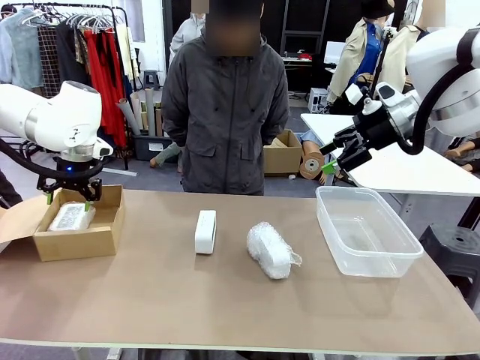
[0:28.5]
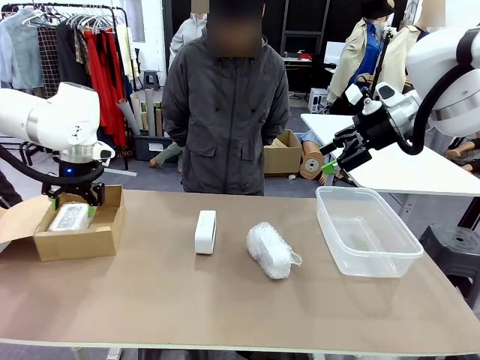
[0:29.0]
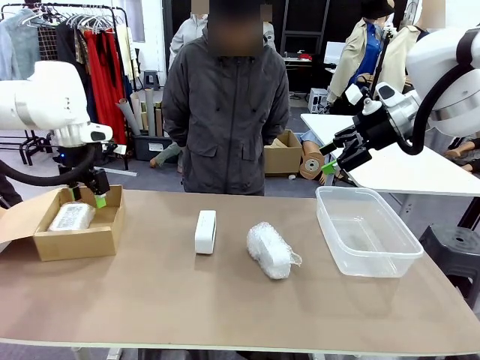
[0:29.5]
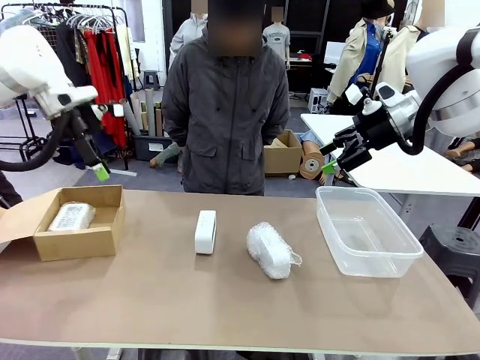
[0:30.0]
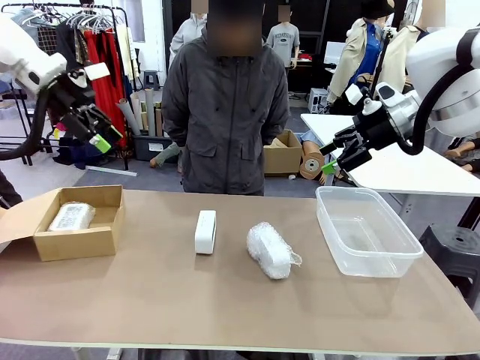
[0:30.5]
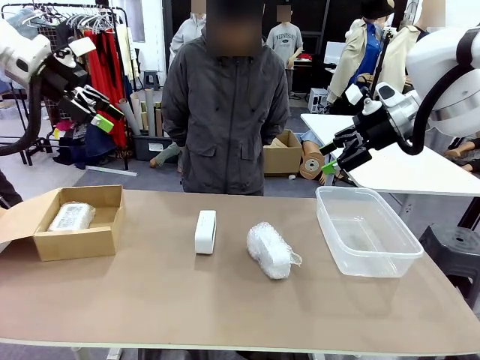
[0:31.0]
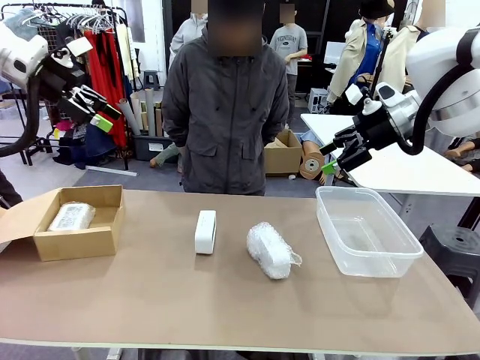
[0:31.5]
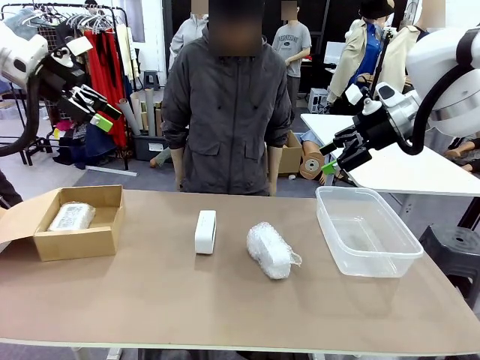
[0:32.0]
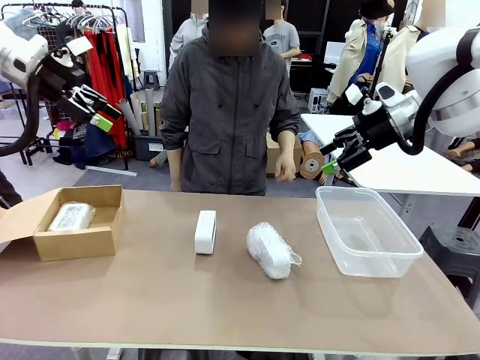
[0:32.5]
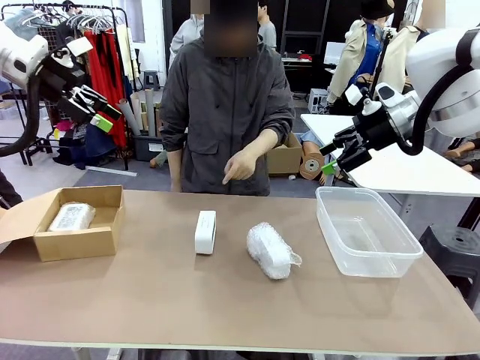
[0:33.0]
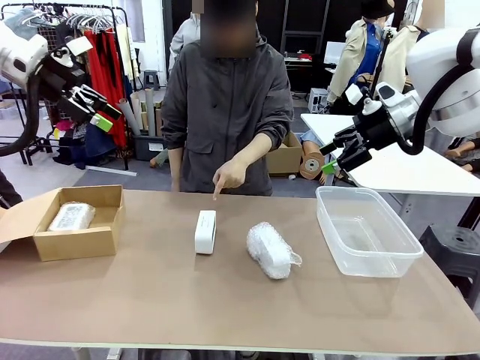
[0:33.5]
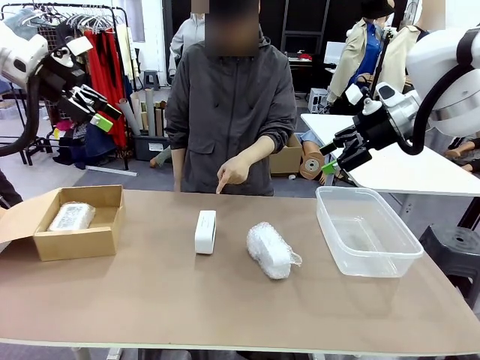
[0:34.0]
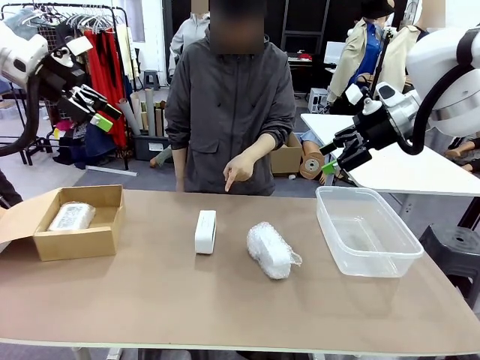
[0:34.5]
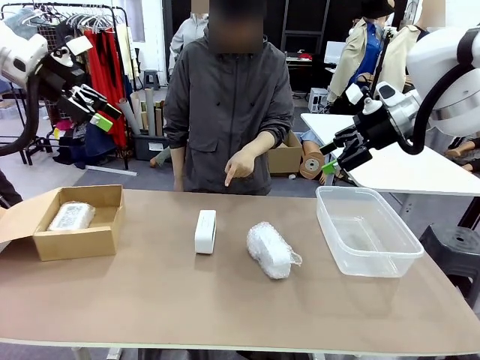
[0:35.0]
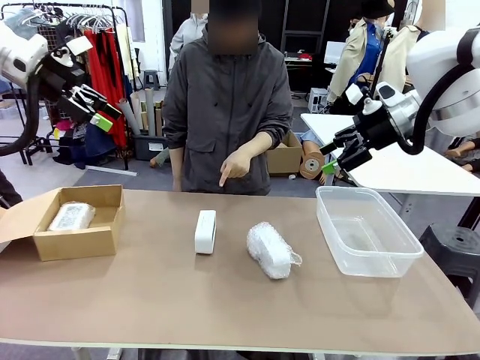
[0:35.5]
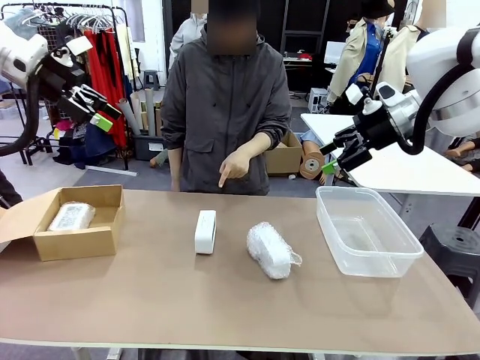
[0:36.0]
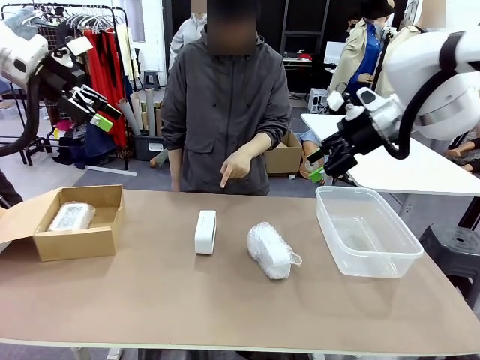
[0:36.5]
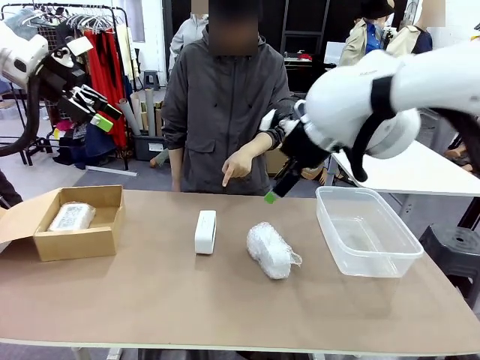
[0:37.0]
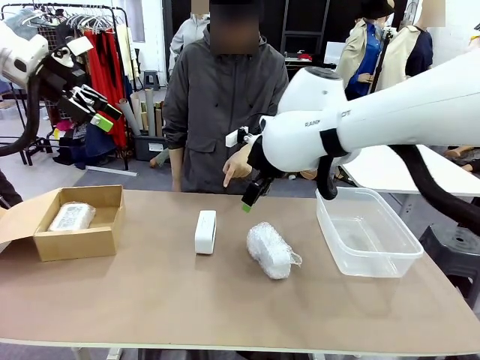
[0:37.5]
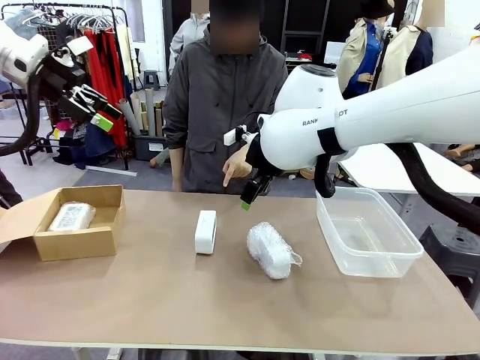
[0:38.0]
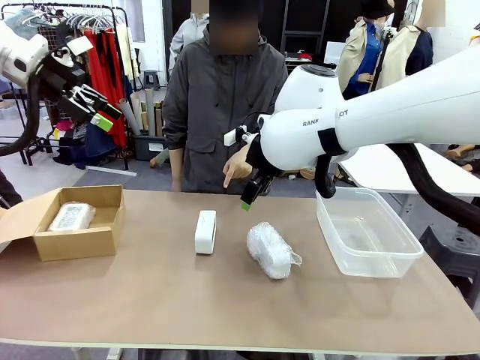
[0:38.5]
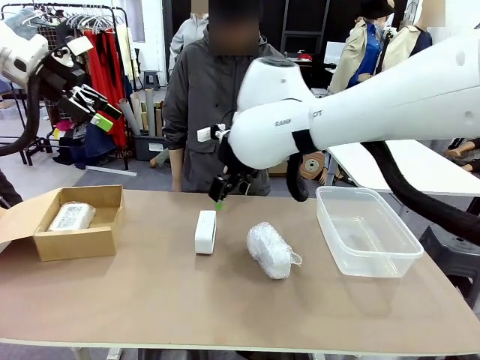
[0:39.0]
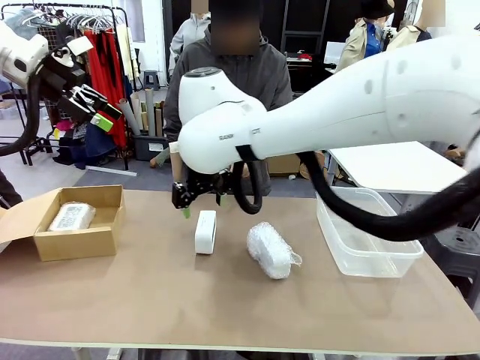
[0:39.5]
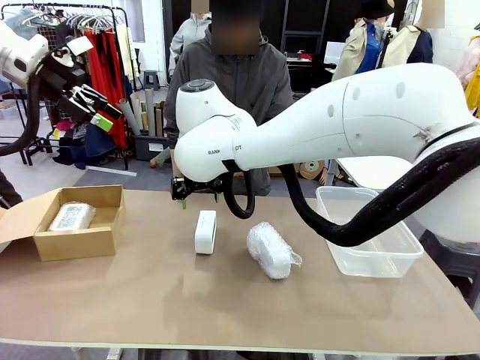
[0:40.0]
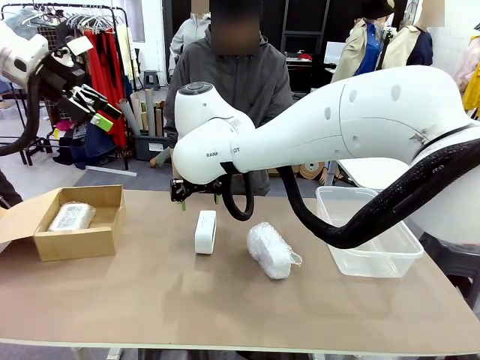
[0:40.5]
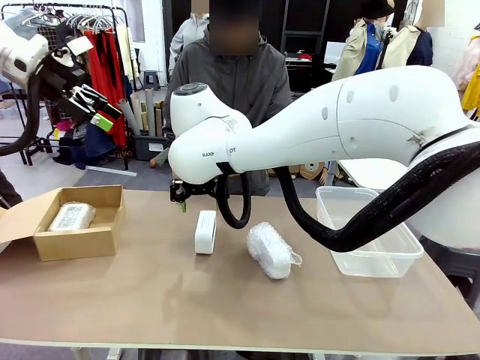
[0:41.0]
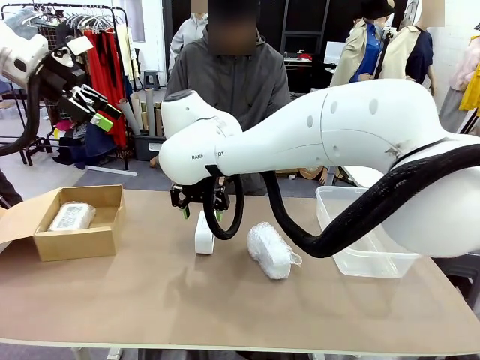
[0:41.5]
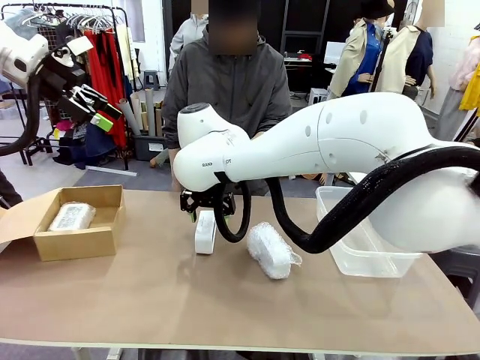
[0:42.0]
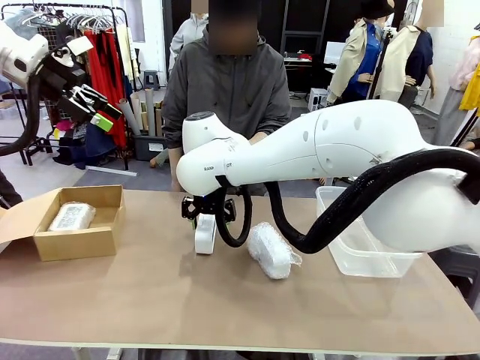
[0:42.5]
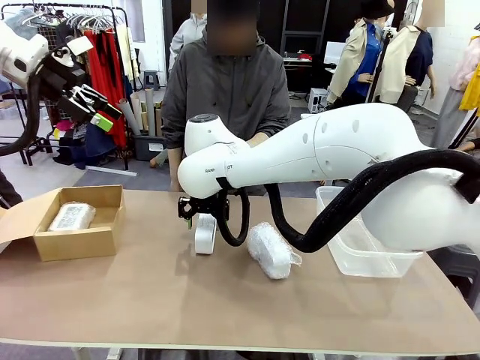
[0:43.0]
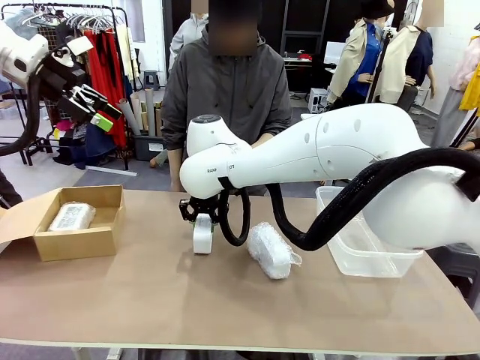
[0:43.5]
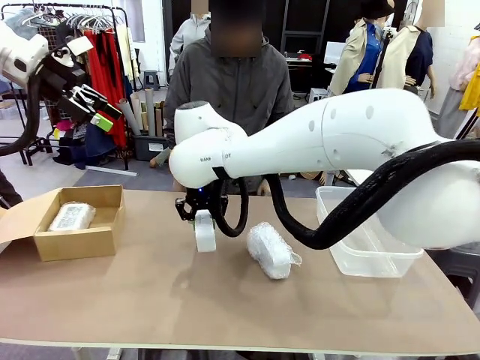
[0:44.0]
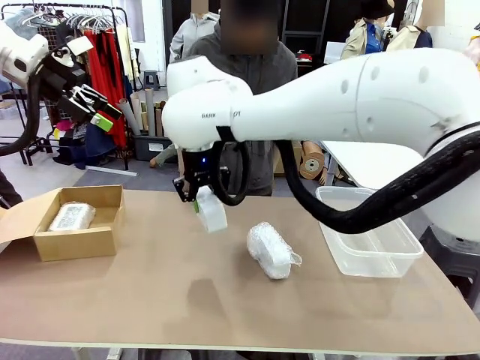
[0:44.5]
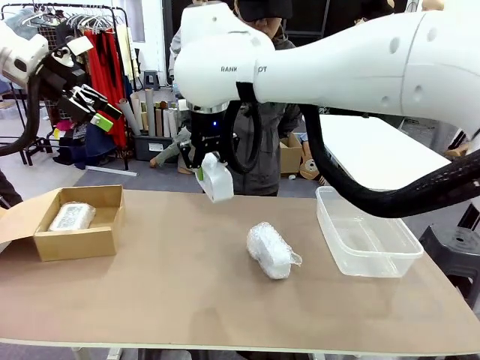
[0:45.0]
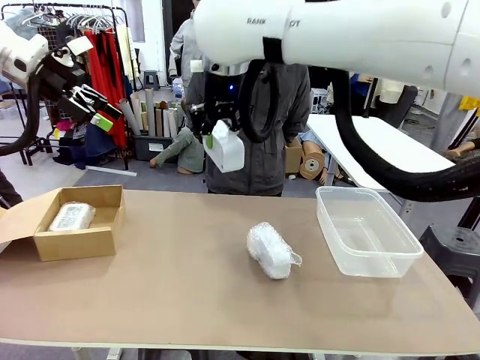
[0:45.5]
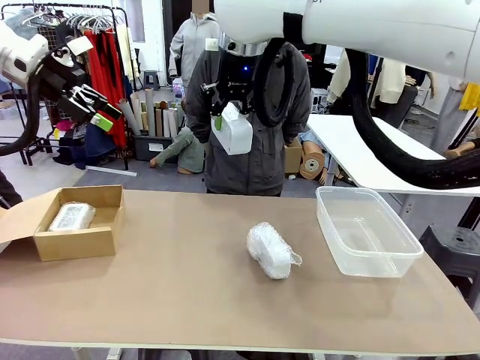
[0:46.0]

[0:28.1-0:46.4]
Task: Separate and place wrapped and unwrapped clocks.
Robot: Pick up the Digital clock indicated by the person.

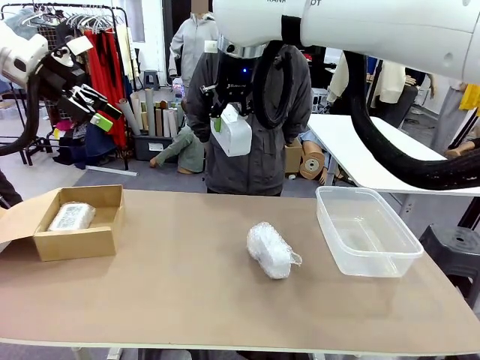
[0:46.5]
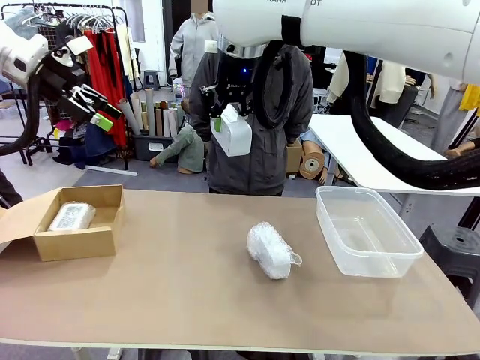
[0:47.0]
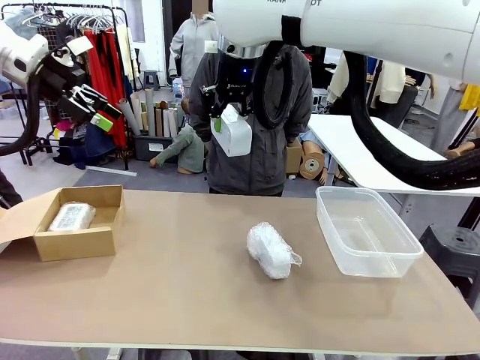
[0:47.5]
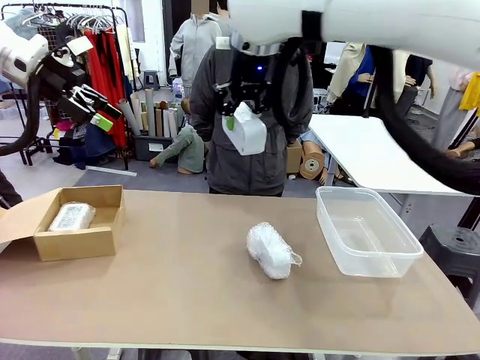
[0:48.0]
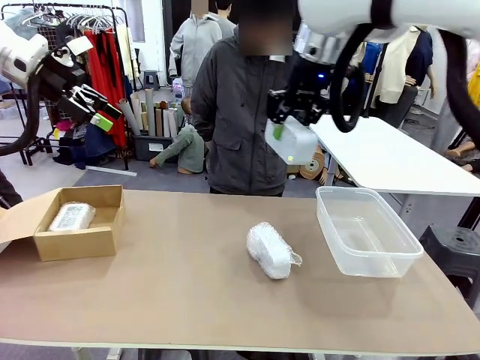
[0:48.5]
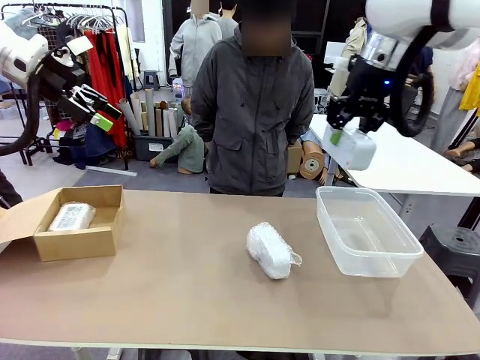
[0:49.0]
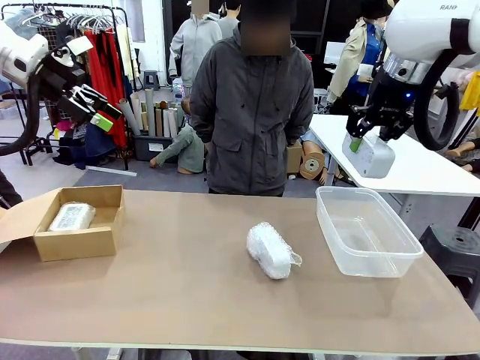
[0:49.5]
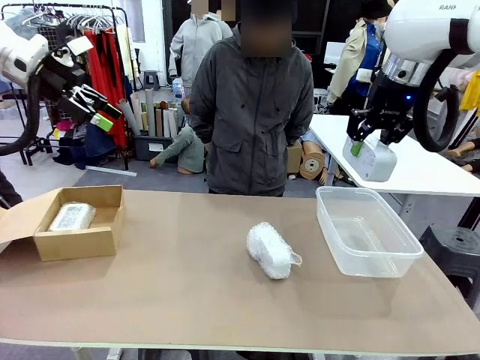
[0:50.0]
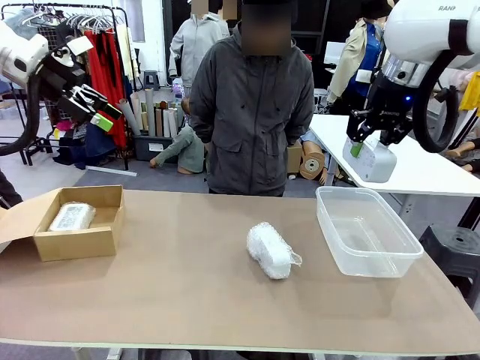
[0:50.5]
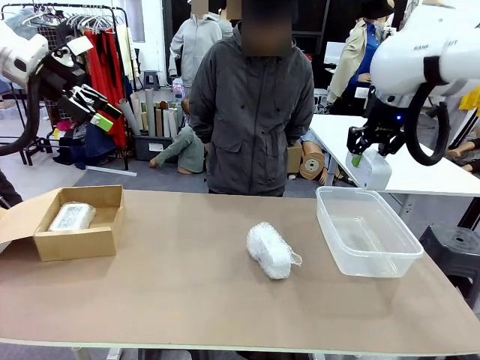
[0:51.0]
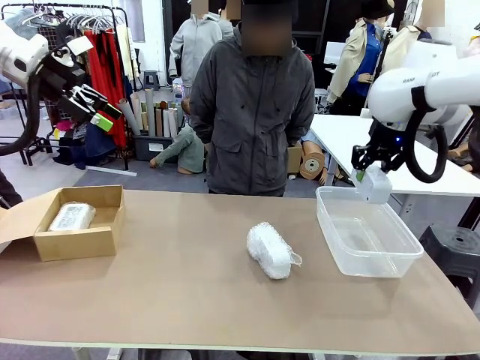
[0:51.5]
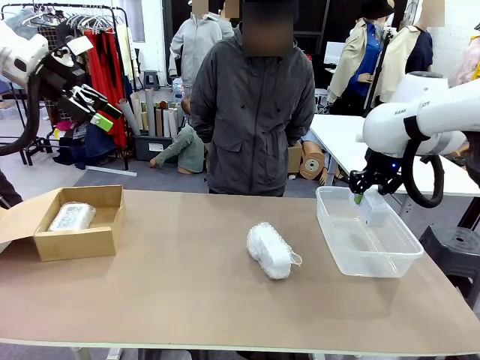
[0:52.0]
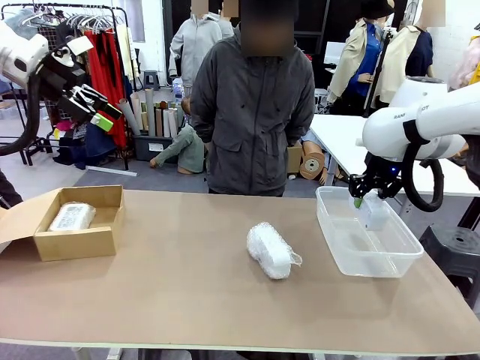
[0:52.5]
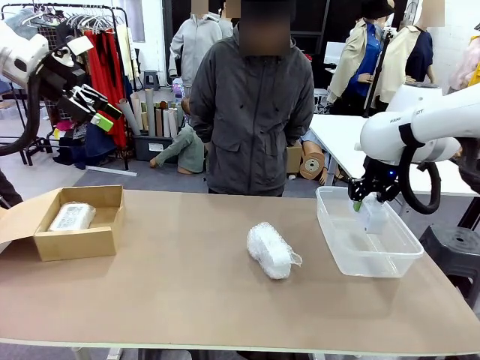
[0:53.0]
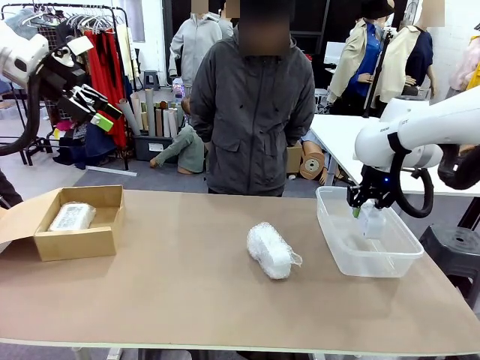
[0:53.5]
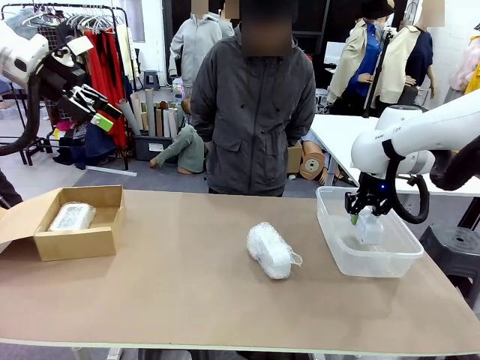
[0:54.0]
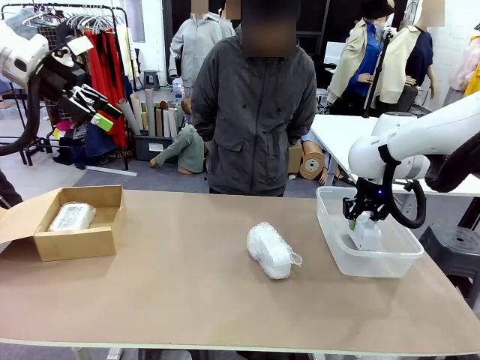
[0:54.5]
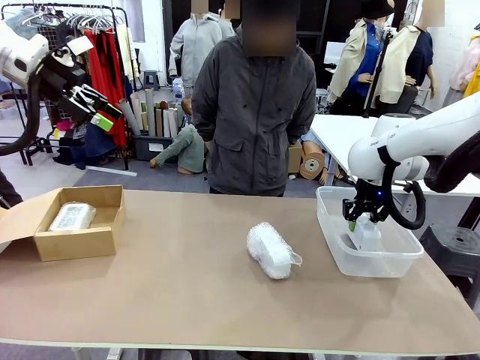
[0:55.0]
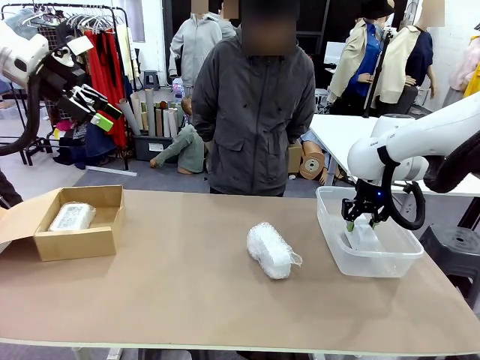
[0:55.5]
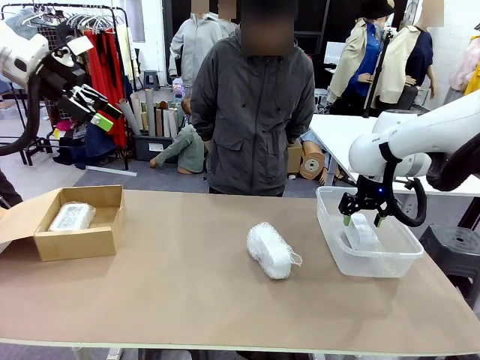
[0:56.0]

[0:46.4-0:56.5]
Robot: If the picked Digital clock is wrapped, place it in the Package Box ; if not, place it in the Organizing box.
